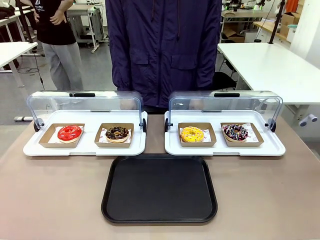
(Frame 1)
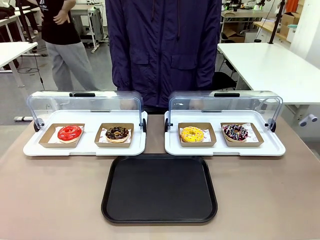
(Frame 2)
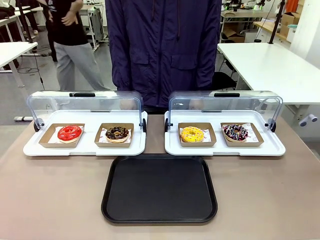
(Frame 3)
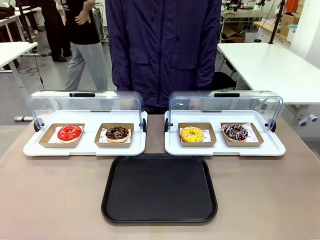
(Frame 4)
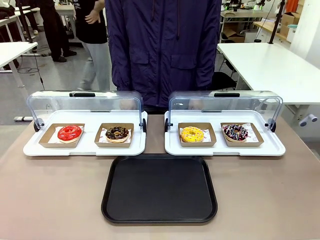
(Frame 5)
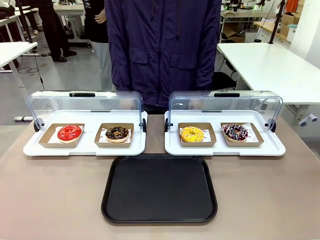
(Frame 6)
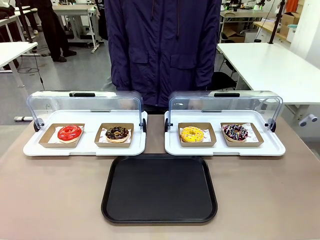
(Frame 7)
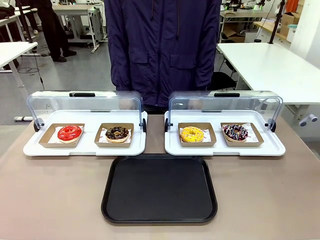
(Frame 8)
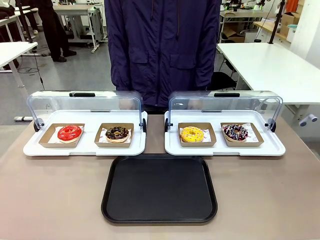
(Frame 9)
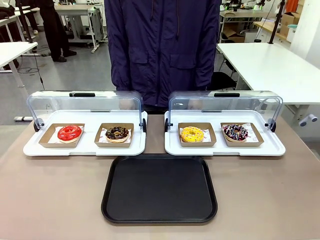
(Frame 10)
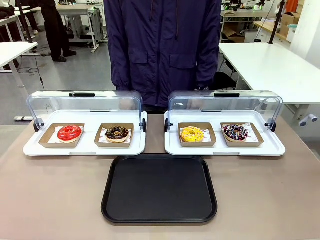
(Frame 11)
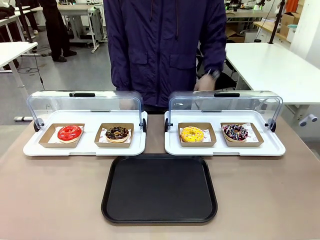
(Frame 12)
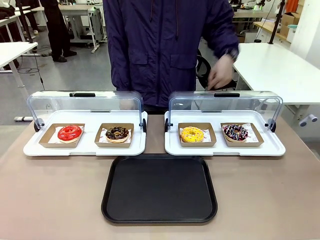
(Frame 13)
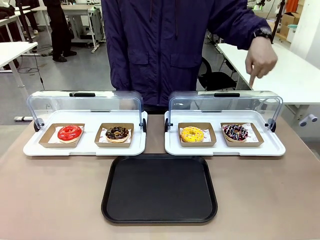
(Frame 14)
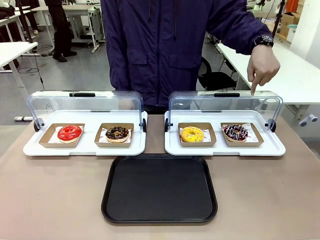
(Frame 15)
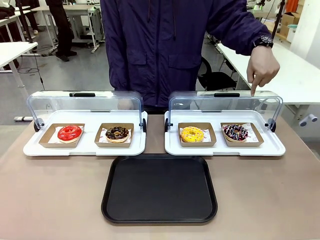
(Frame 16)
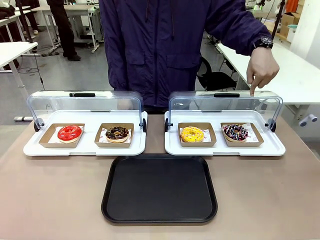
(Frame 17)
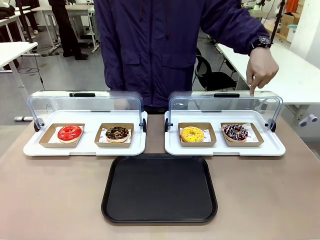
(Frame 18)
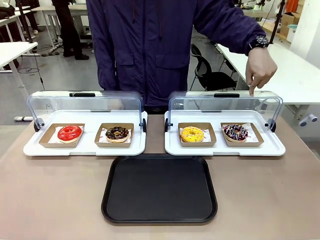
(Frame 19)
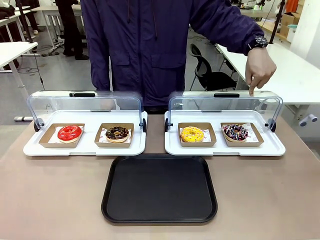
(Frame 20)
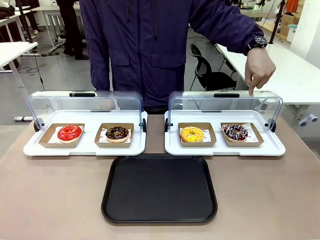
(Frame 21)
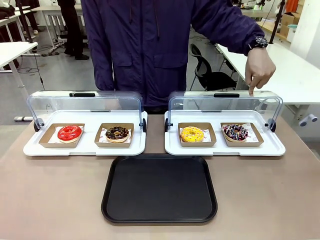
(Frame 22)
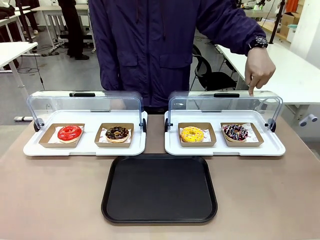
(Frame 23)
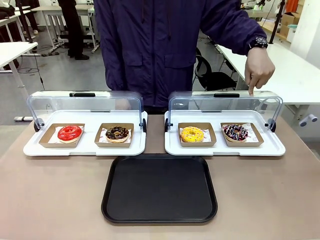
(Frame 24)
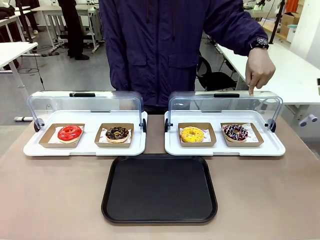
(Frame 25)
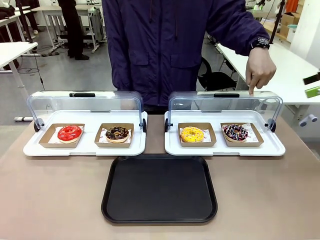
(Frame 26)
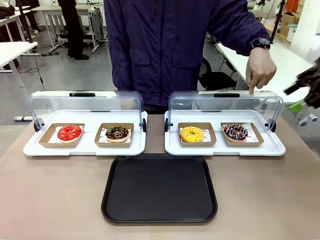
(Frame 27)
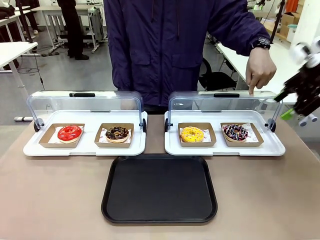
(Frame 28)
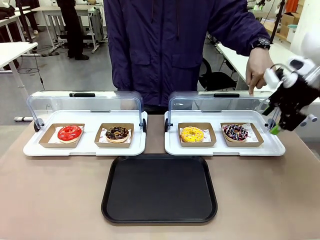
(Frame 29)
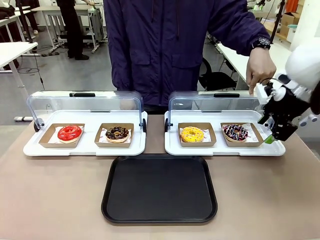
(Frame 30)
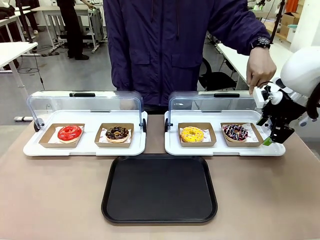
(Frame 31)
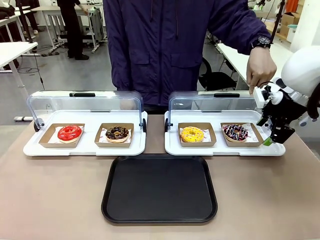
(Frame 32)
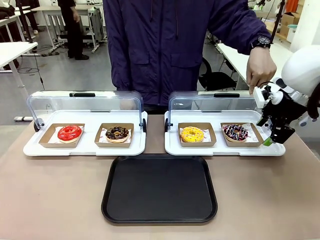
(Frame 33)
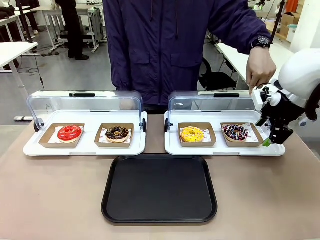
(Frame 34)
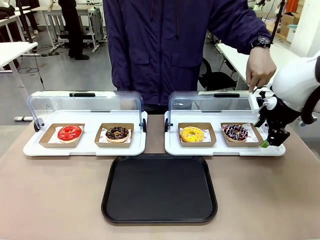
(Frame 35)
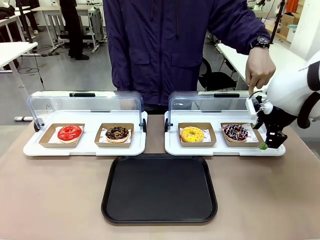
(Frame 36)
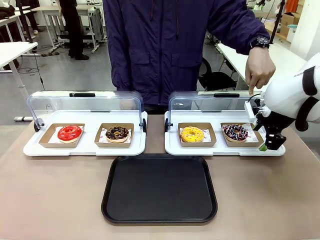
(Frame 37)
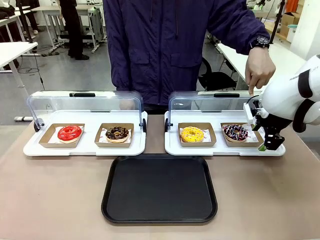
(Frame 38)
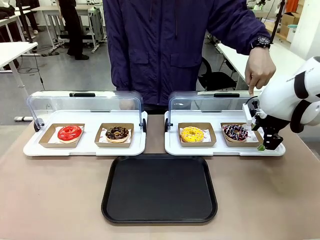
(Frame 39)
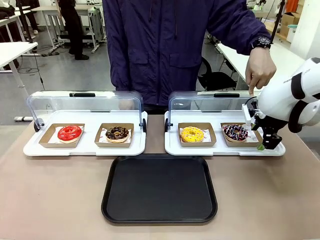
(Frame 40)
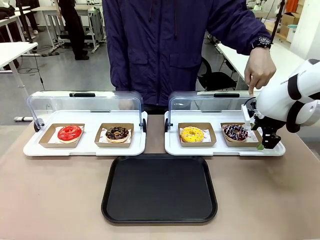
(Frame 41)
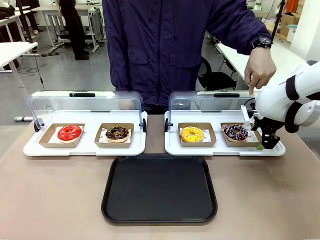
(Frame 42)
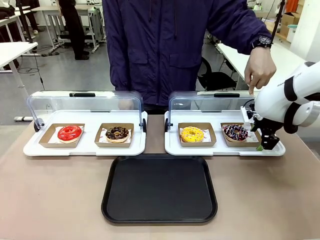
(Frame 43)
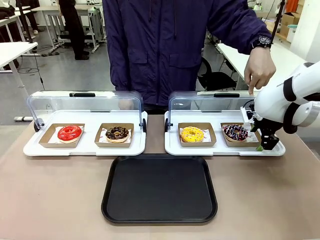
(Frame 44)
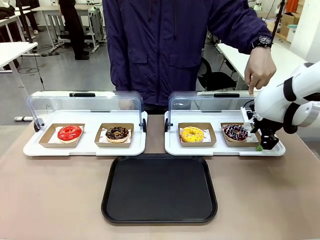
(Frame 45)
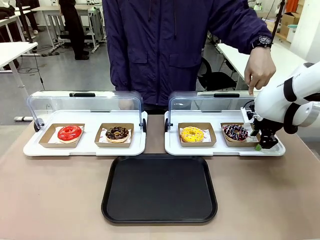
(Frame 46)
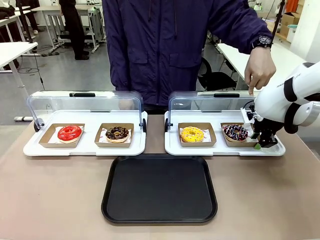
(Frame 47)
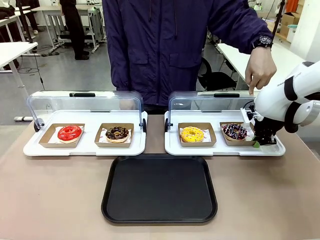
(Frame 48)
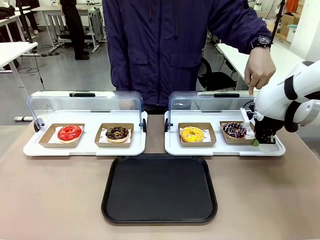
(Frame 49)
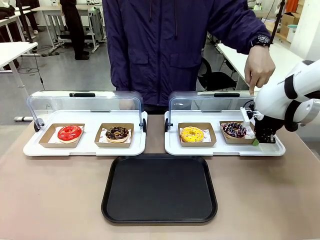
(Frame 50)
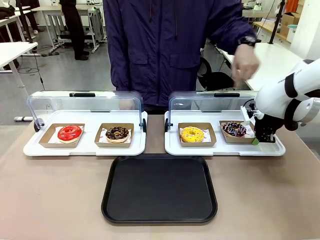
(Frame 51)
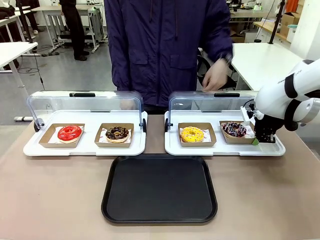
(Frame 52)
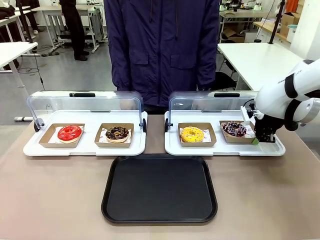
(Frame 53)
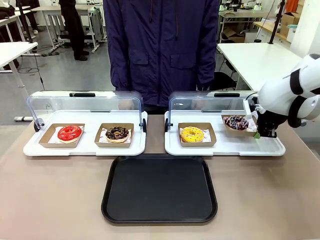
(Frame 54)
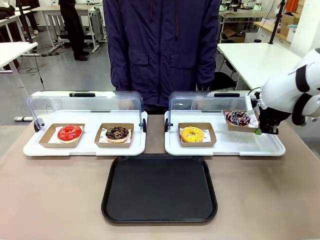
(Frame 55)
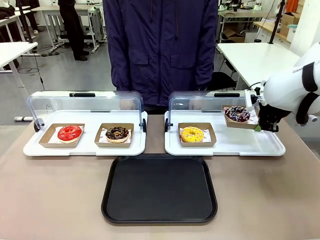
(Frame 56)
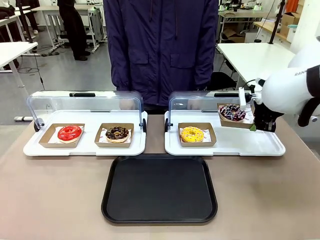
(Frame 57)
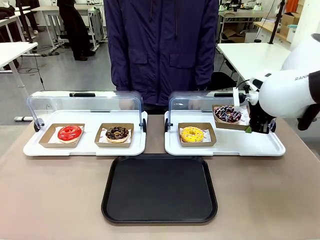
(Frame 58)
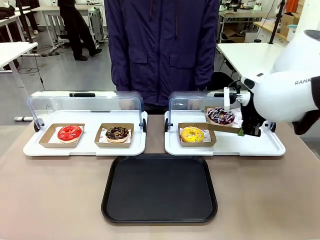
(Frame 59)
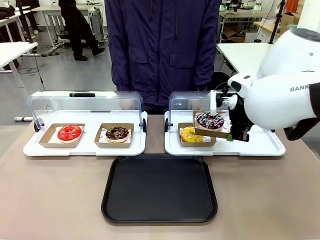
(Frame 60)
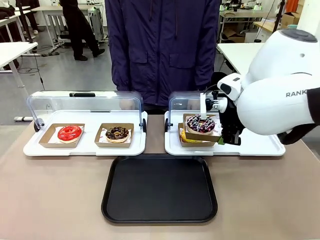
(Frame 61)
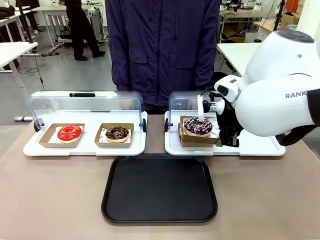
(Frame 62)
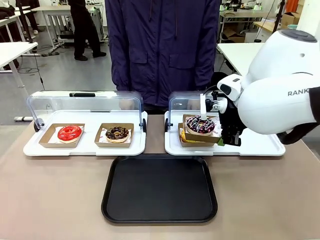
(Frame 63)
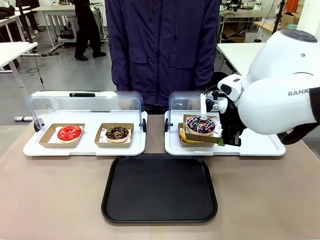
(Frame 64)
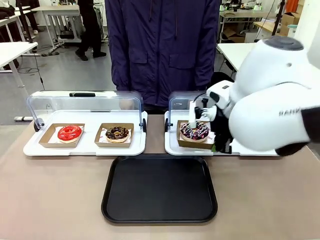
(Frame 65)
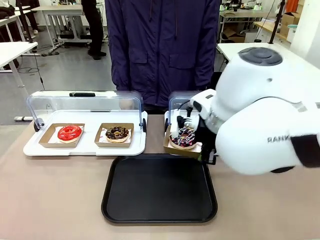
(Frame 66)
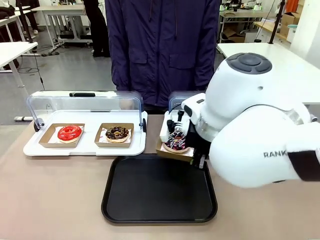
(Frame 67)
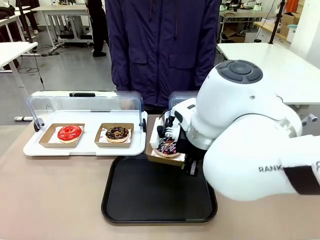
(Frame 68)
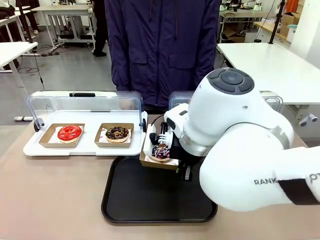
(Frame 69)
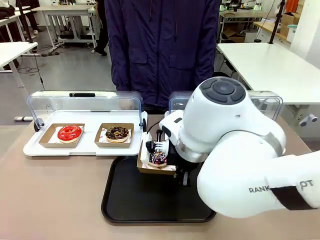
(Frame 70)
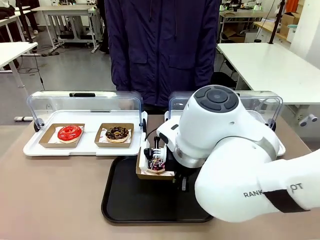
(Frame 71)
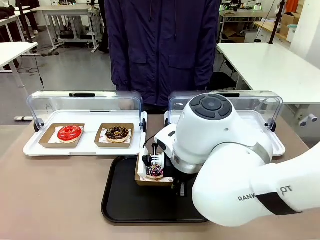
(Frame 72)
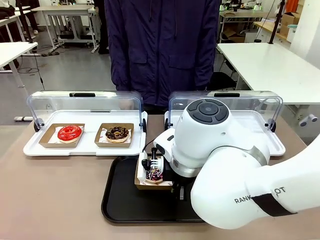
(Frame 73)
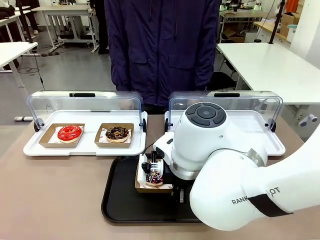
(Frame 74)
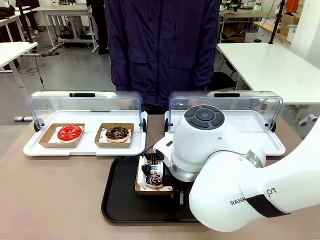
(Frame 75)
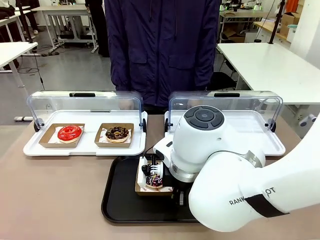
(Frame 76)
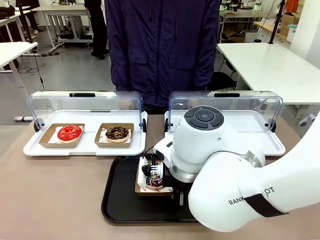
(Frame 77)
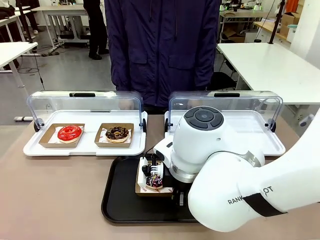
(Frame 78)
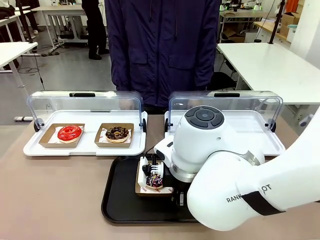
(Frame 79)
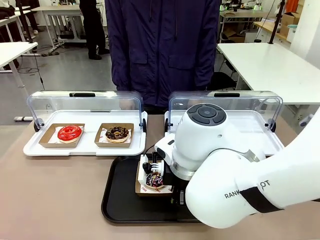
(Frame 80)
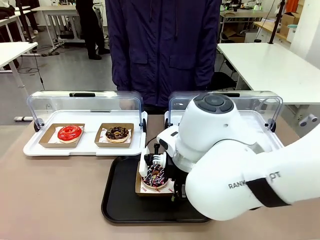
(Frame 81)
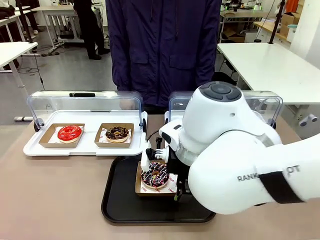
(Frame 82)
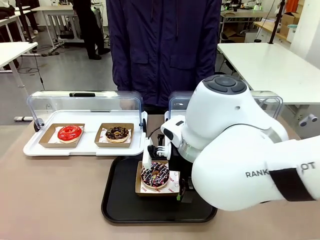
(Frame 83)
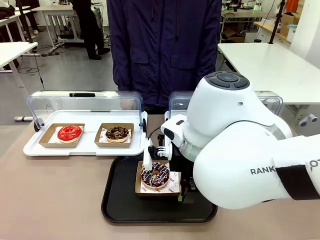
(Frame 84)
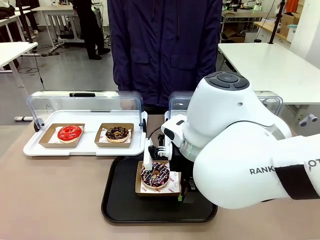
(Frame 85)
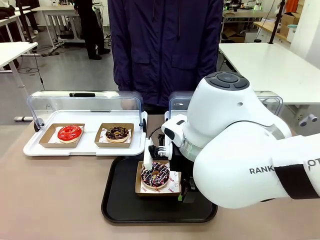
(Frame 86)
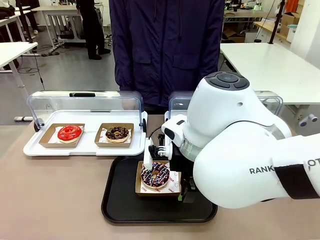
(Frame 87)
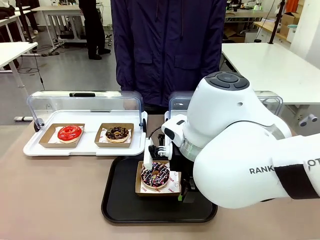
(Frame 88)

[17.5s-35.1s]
Task: Move the fourth donut from the left to the tray.
Robot: Pick up the Paper togo box containing the Donut indicated by the person and place it on the Handle tray.
Person: Points to the fourth donut from the left from the robot’s perspective.
